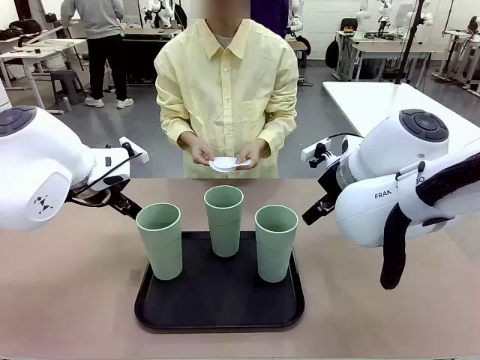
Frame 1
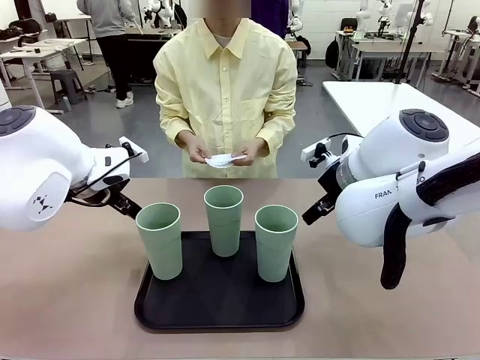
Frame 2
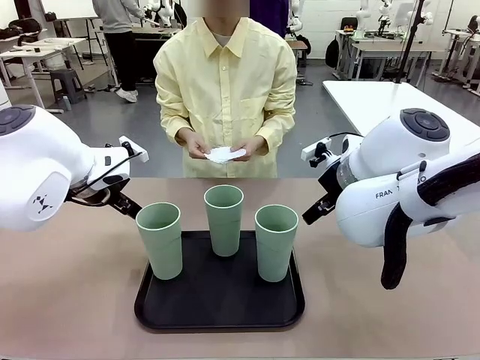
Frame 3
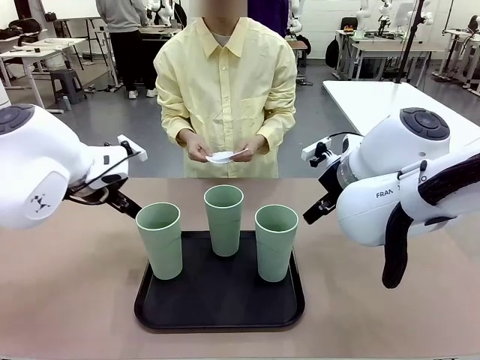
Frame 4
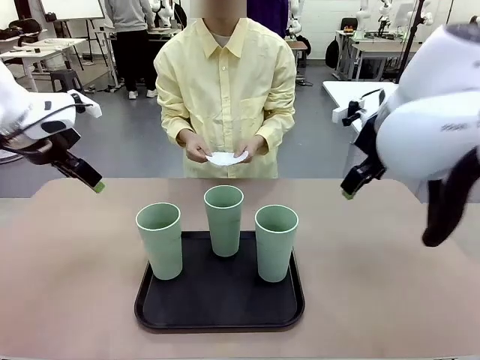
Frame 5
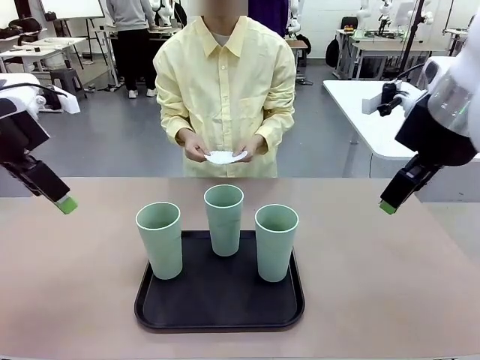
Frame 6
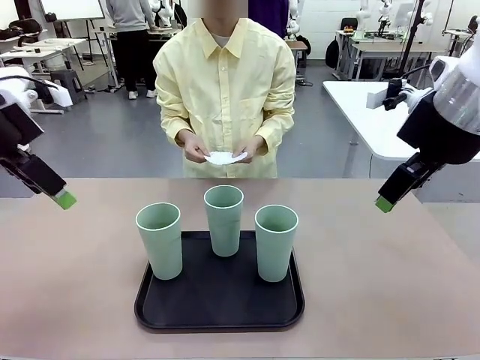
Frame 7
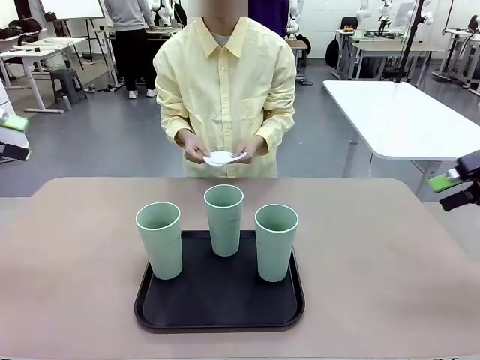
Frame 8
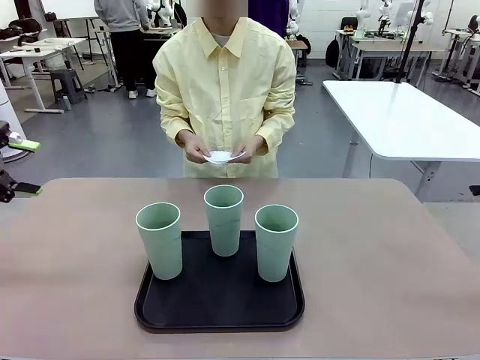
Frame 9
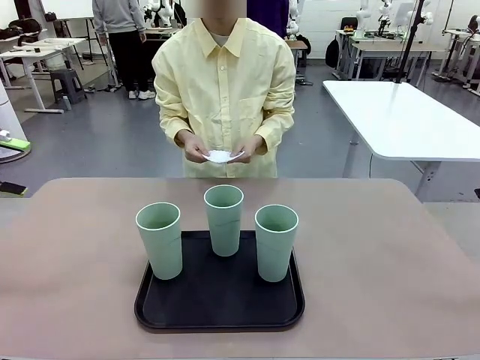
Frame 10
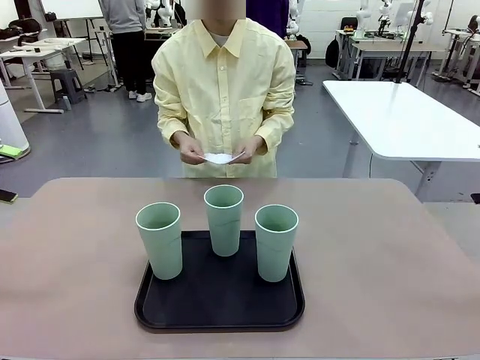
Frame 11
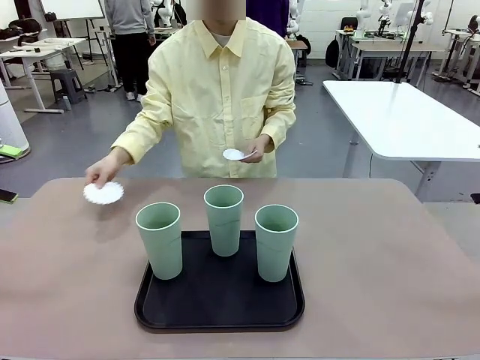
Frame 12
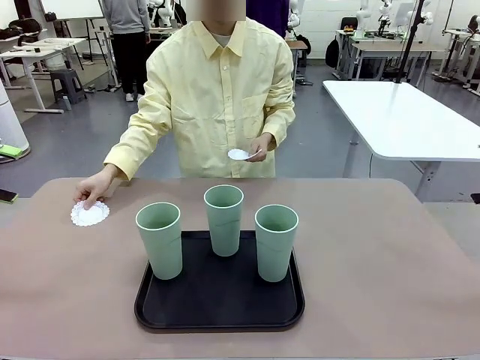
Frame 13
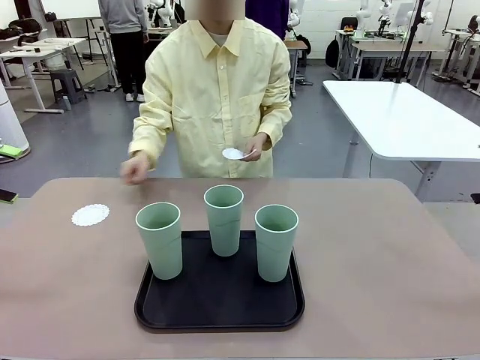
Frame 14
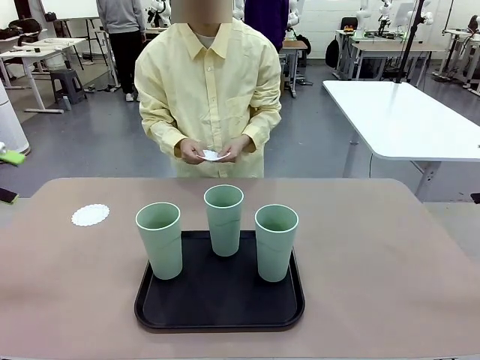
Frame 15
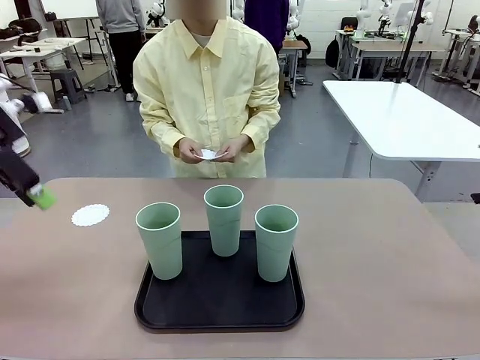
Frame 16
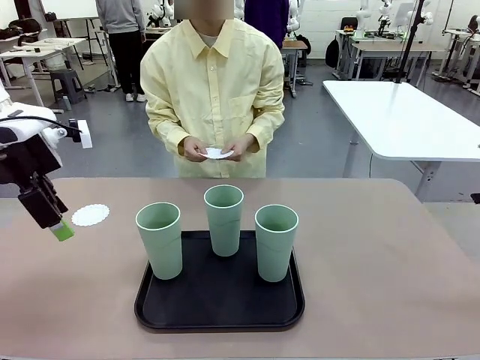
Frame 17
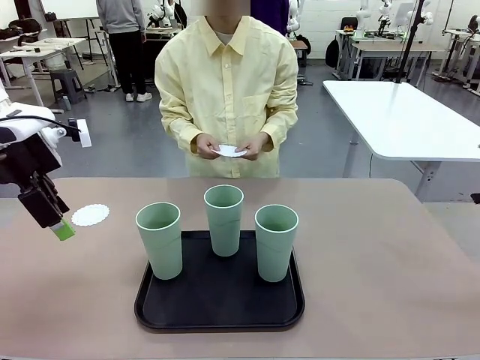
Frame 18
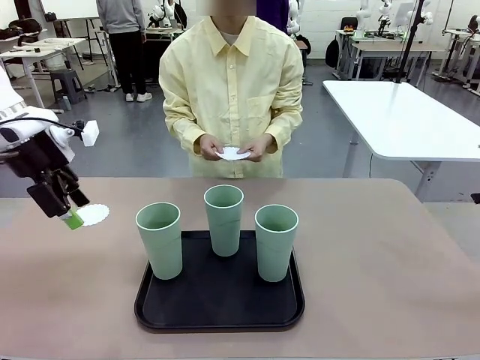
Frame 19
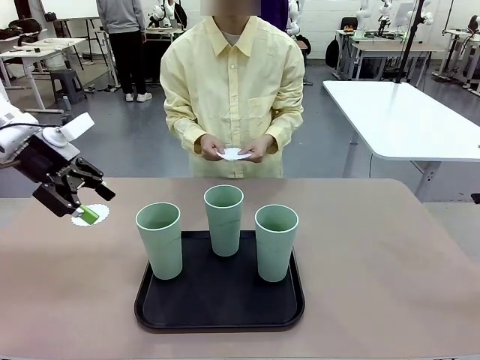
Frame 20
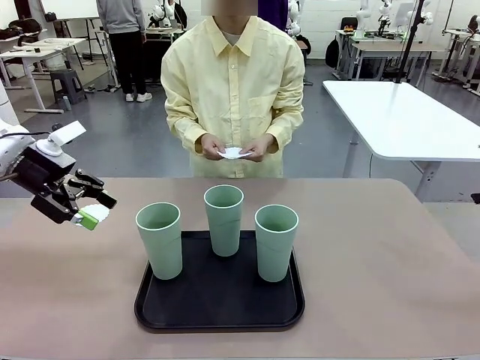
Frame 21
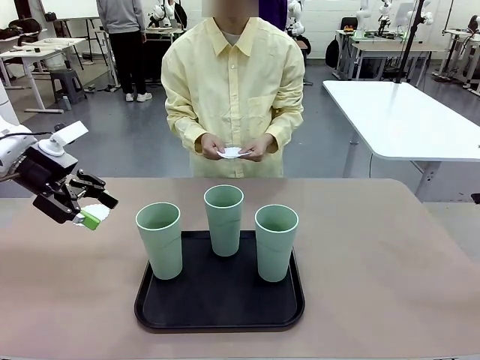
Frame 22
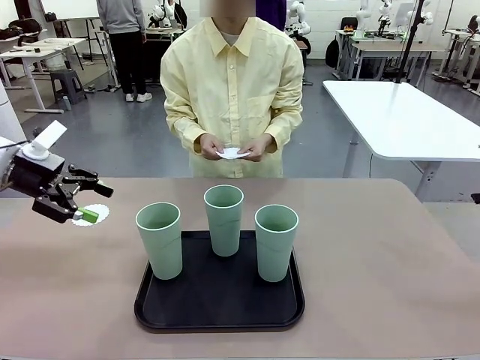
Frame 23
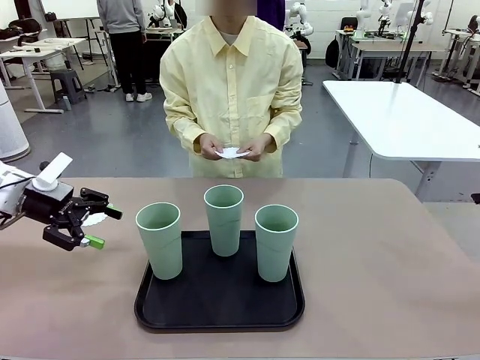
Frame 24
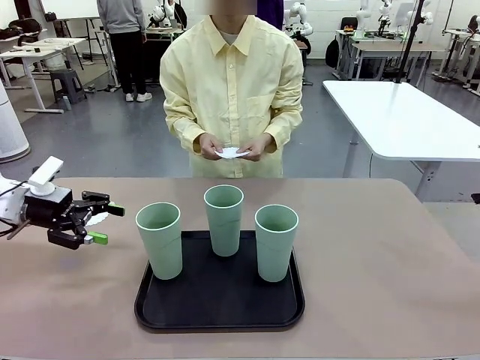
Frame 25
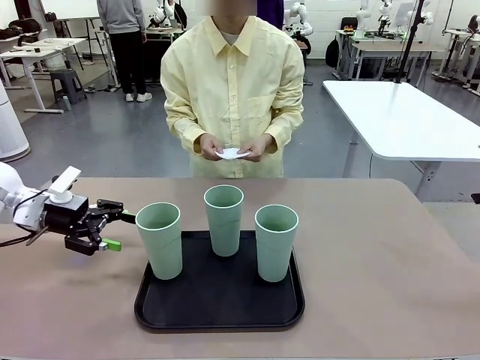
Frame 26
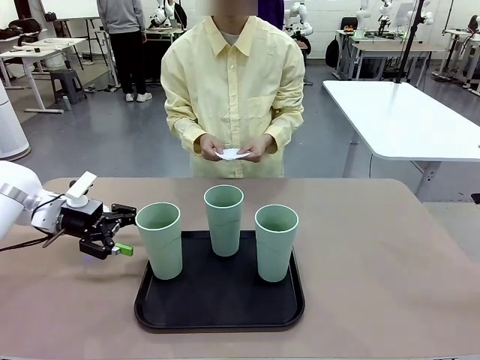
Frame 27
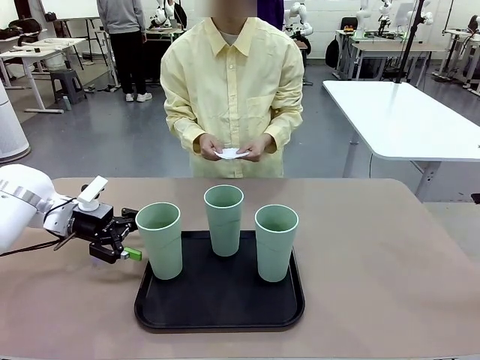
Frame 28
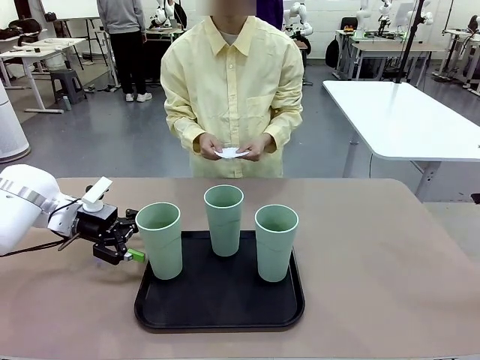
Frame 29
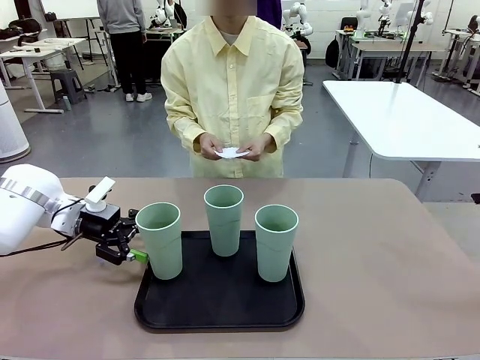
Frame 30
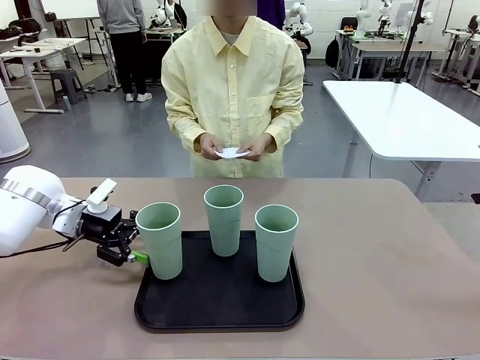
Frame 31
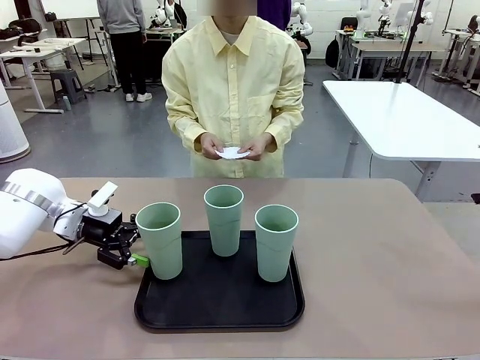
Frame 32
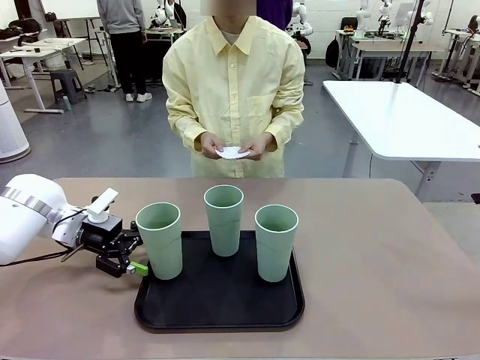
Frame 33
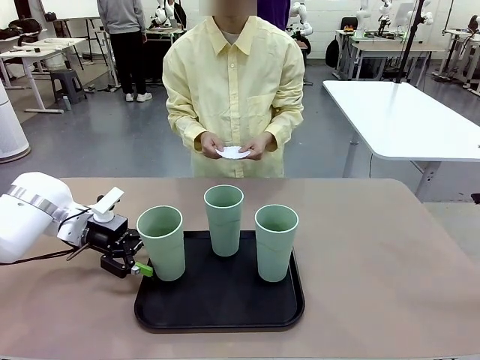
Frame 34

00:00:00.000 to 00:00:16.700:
Task: Place coasters on the table and set cups on them.
Robot: Pick up one Reusable plastic cup and place it on a coaster set by the human.
Person: Place one coaster in any one of the three lower areas of the robot table (left, center, or right).

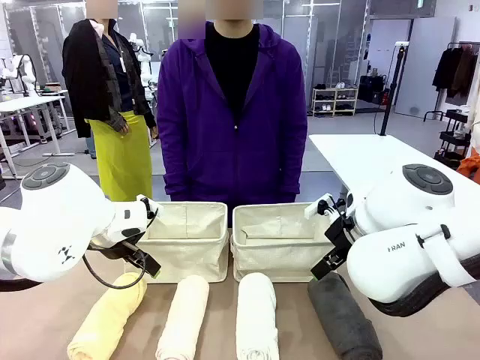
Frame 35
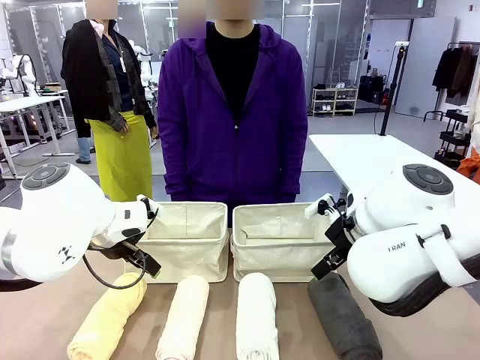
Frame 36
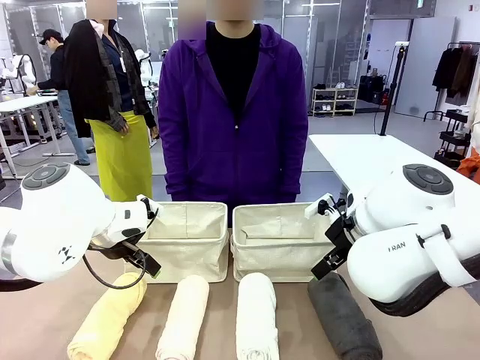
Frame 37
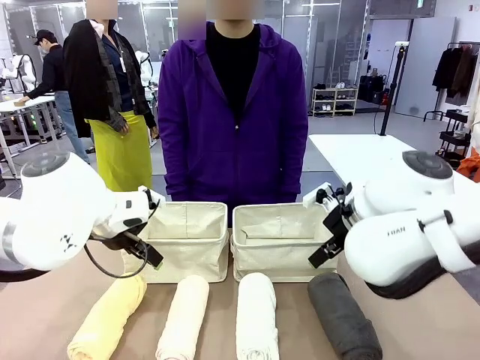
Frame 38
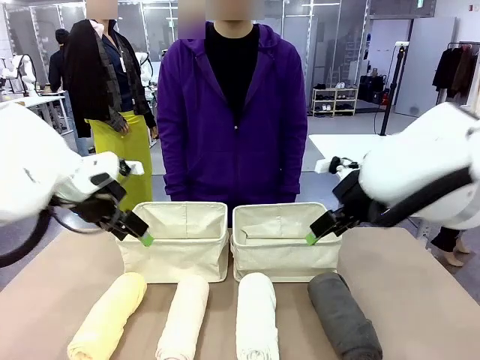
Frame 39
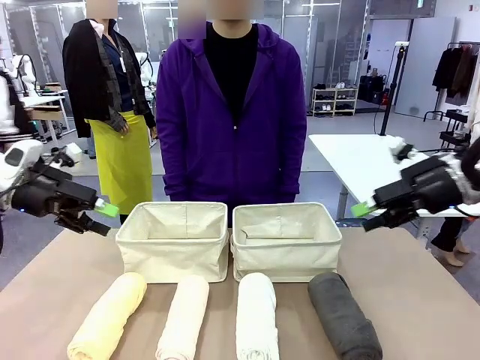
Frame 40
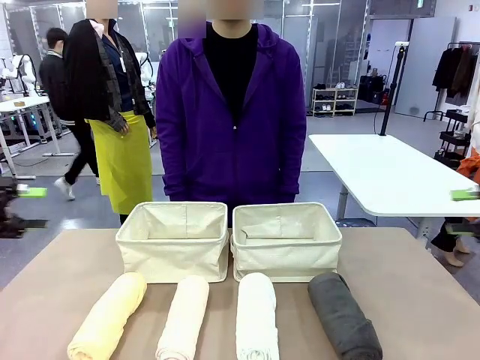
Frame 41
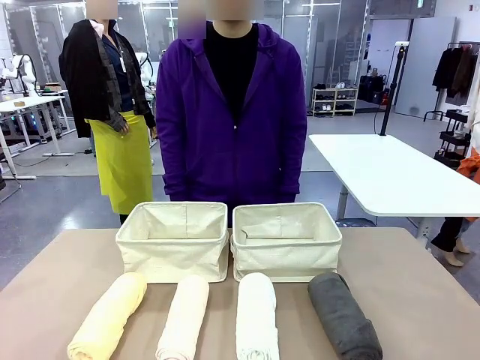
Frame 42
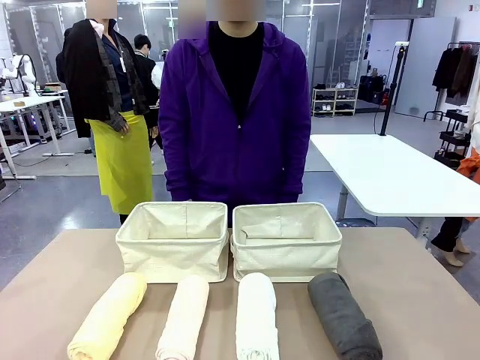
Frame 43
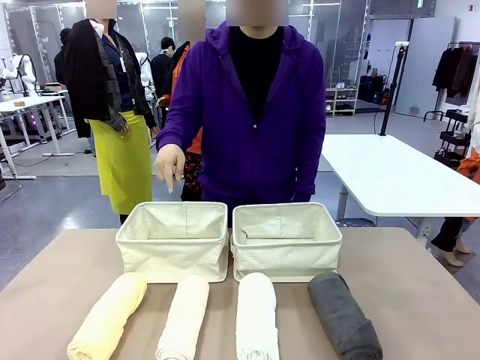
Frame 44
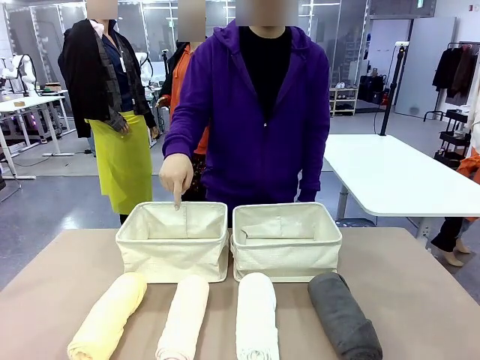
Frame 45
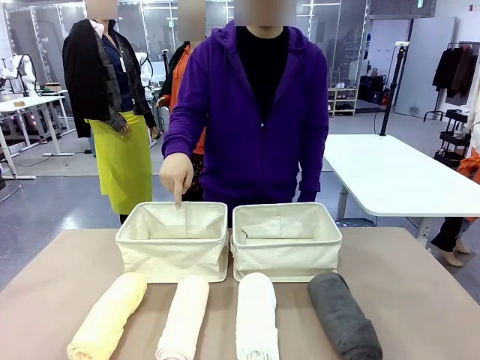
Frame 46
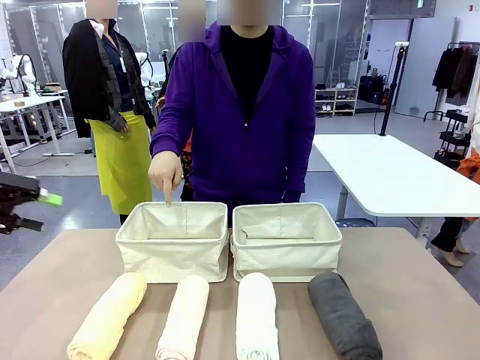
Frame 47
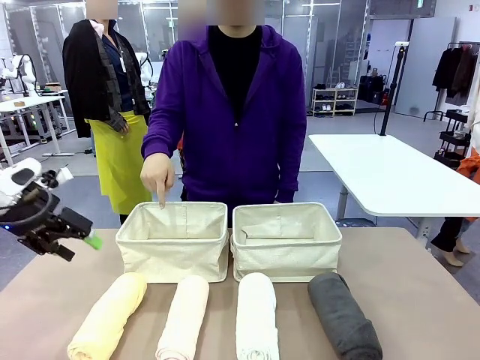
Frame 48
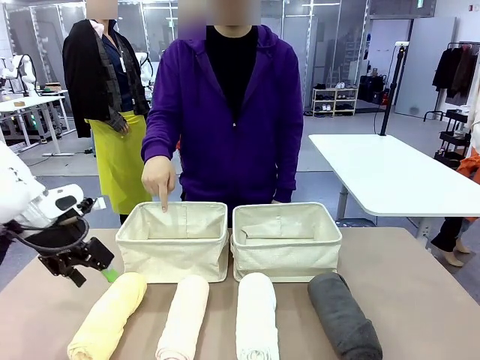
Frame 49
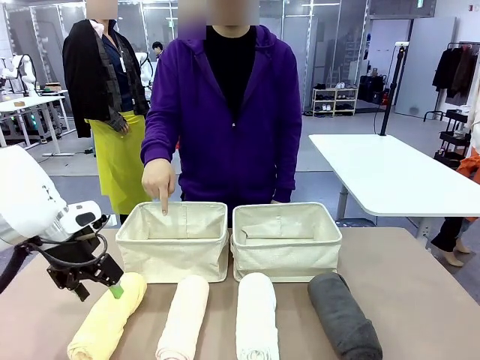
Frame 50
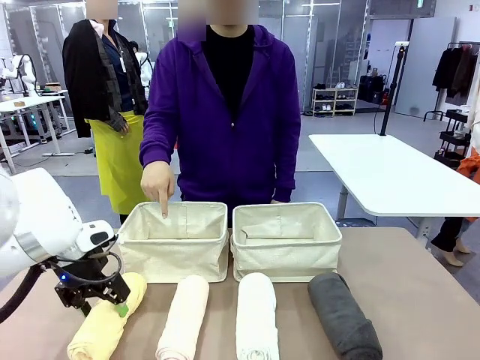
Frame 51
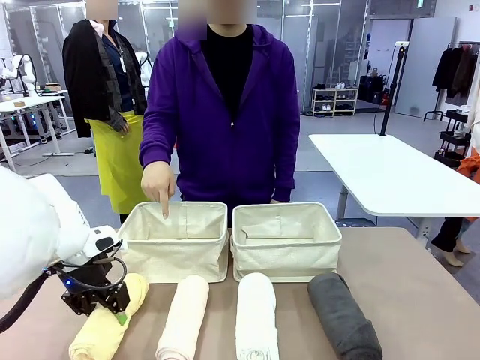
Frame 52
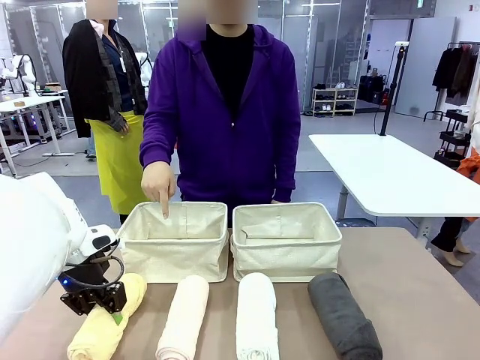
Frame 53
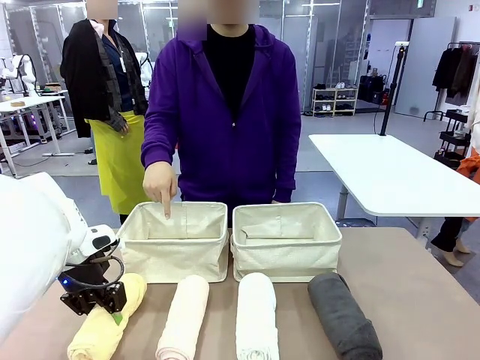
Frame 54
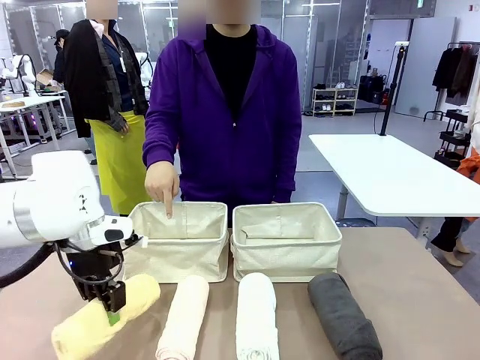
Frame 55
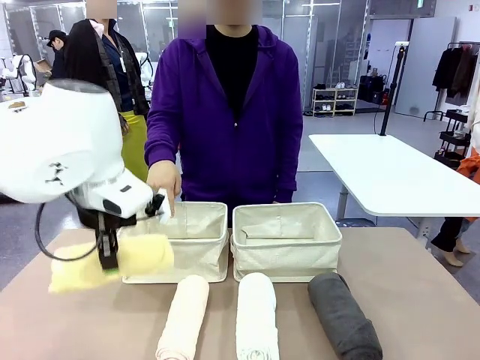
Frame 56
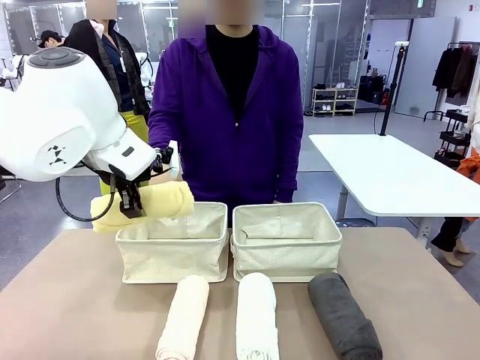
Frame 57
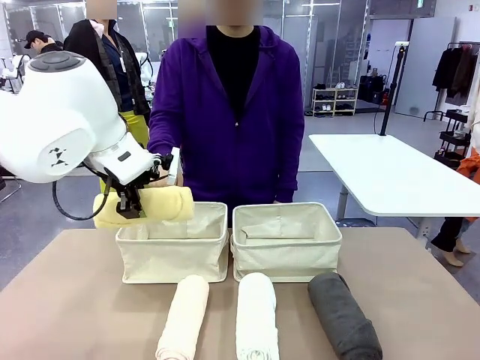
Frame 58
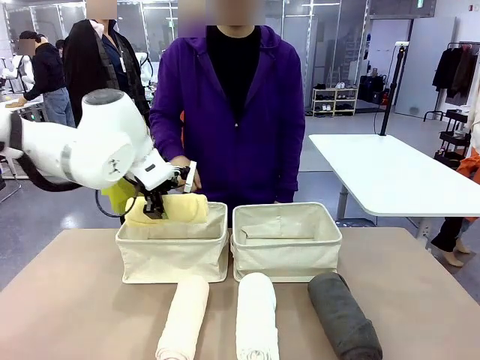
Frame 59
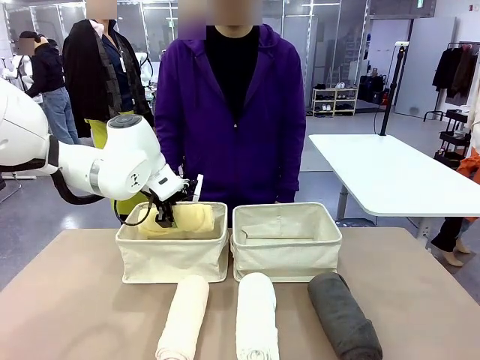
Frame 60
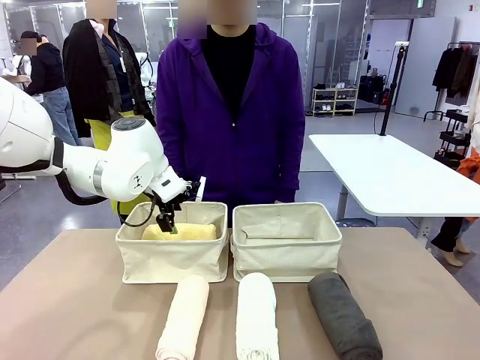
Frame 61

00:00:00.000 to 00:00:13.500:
Task: Divide the towels into two baskets.
Robot: Pick up one hotel-folded towel and place it in the Fabric basket indicated by the person.
